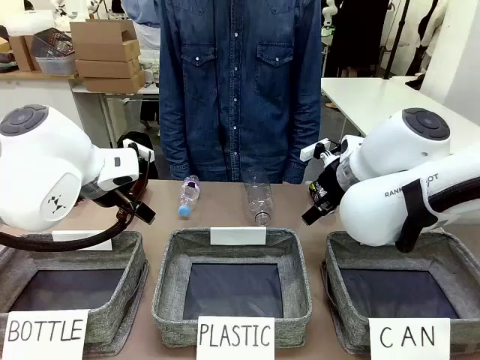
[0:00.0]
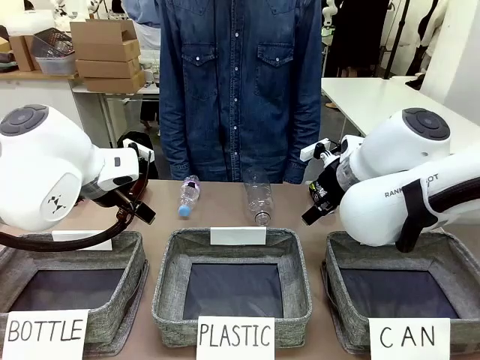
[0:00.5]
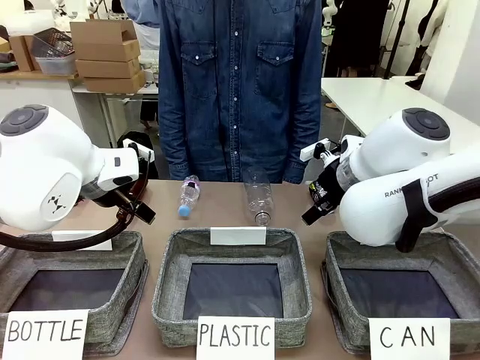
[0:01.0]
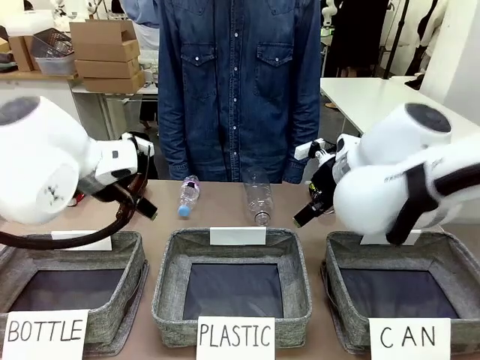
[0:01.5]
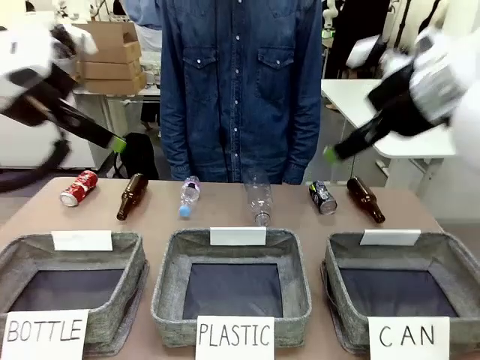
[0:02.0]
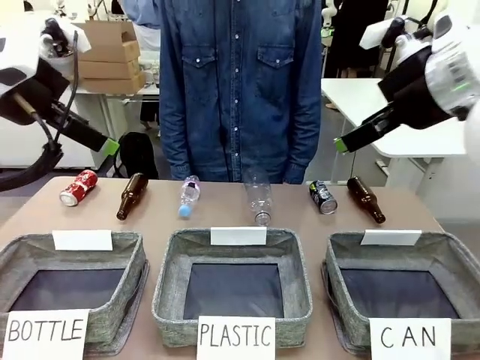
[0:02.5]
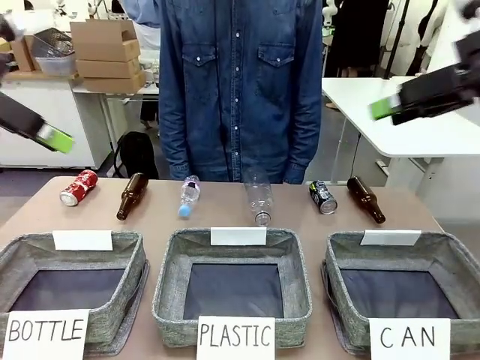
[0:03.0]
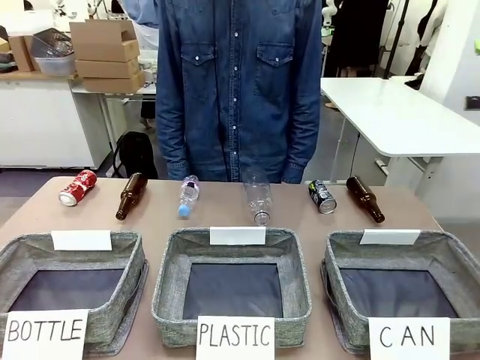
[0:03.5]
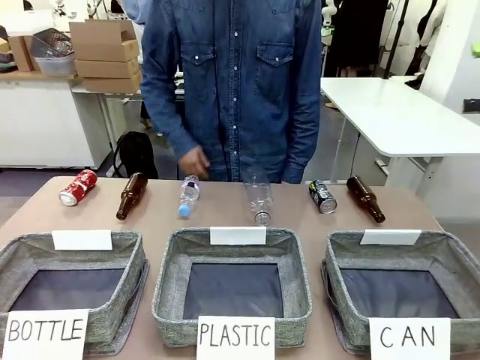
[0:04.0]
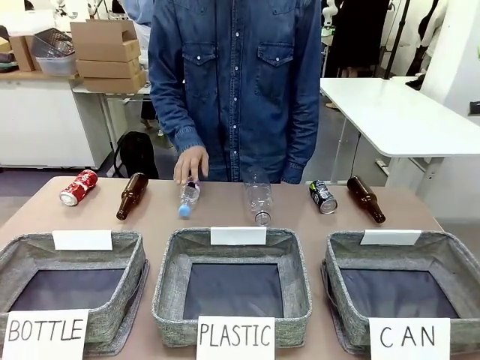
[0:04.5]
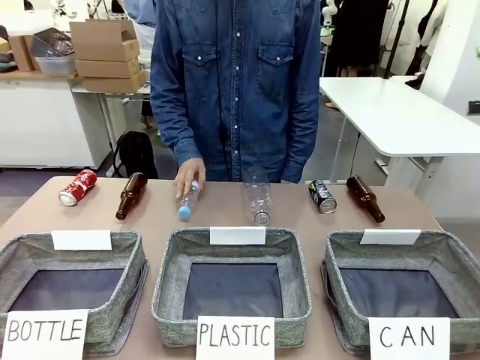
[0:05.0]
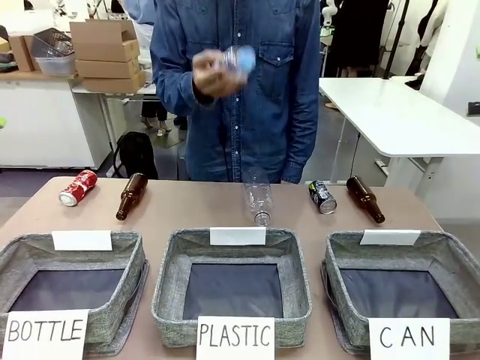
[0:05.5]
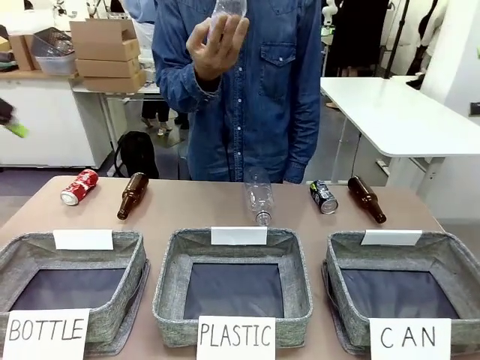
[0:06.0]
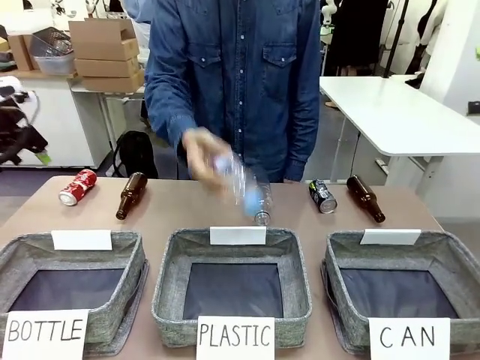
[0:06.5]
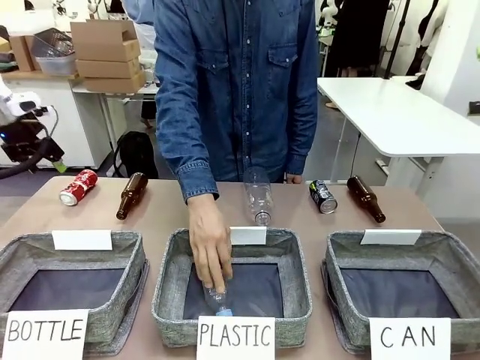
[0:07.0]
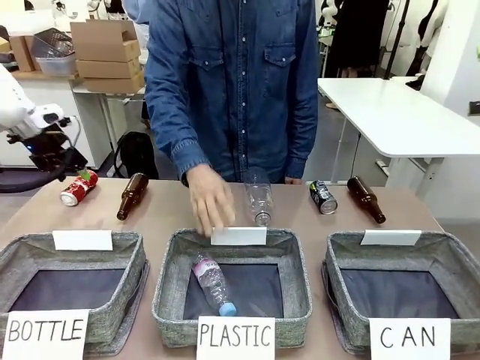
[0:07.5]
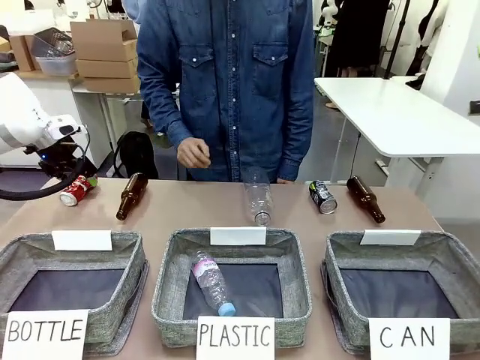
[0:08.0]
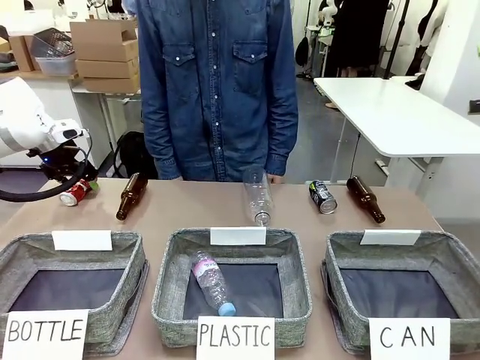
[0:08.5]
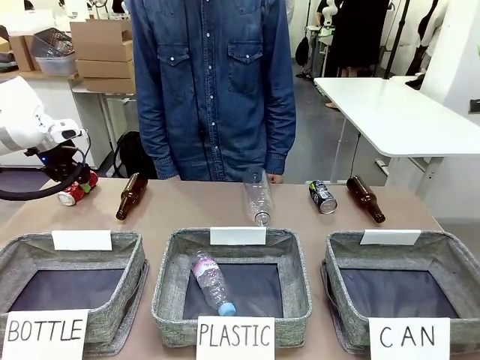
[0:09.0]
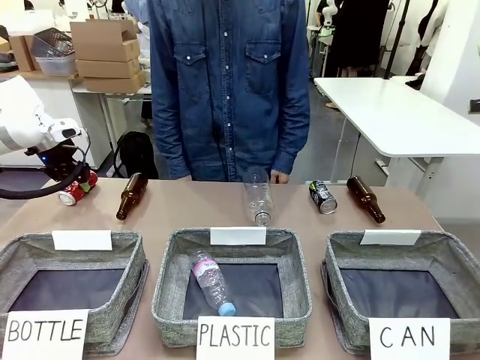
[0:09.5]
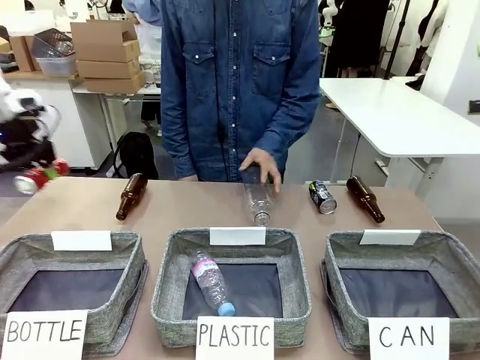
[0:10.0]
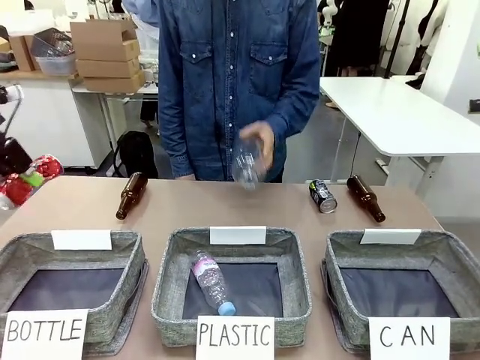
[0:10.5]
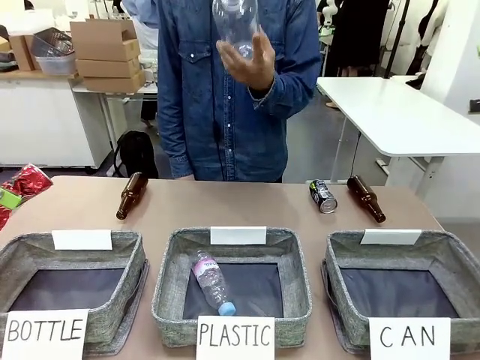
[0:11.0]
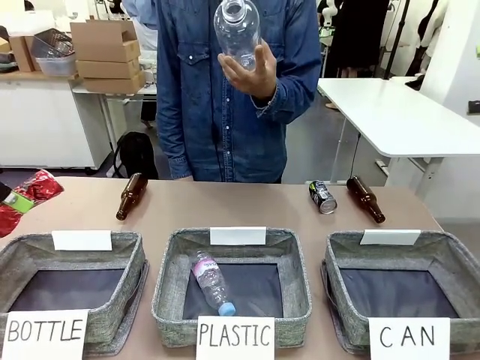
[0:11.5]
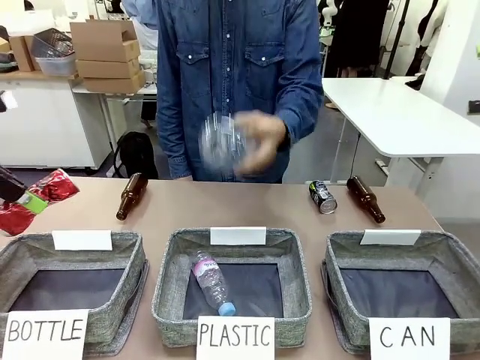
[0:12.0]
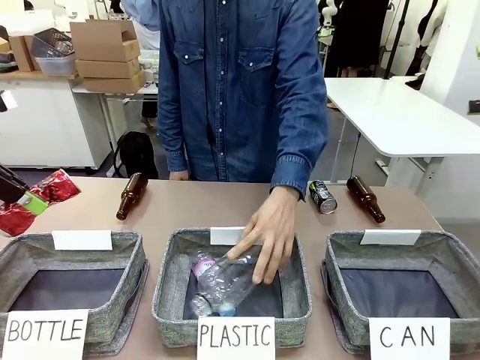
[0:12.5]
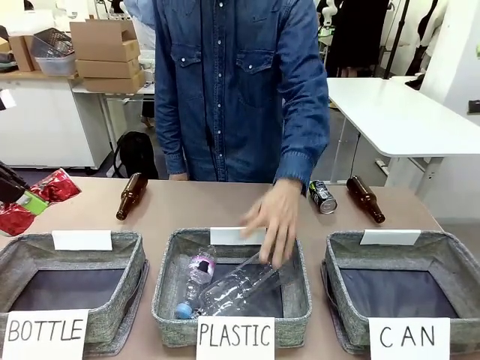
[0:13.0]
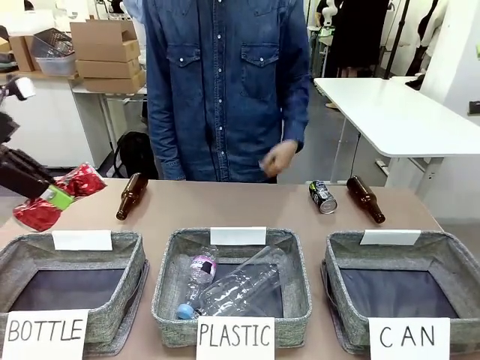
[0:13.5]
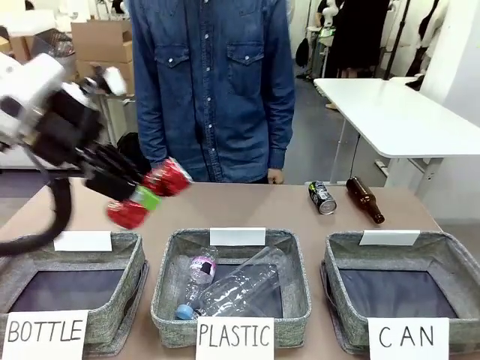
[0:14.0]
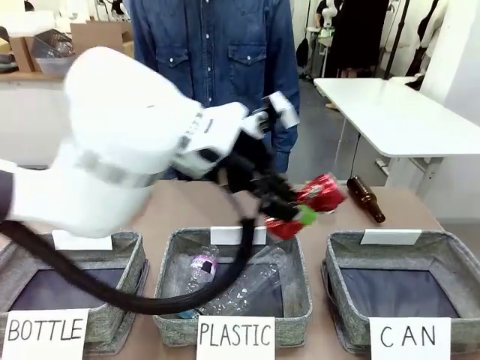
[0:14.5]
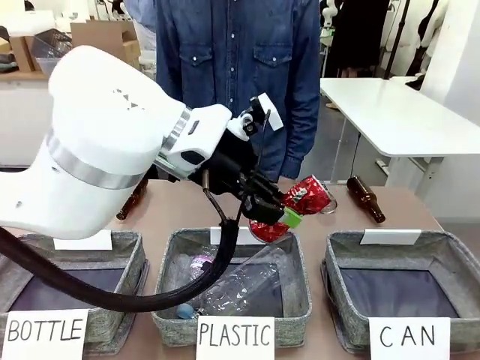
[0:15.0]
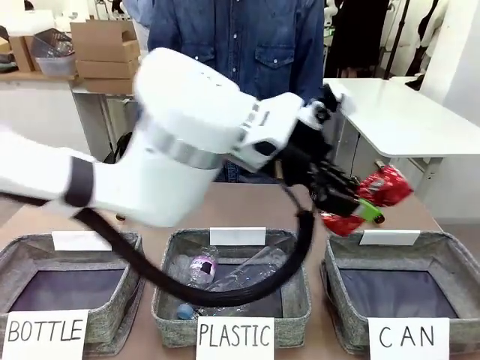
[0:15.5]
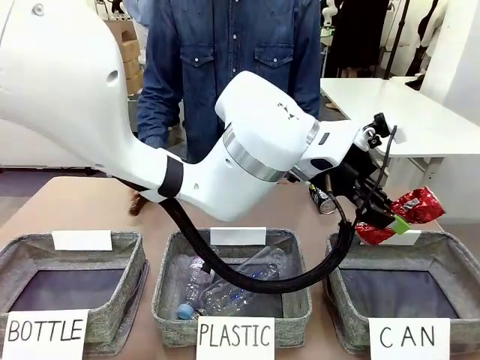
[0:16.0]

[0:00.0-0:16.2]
Task: Sort the can waste into the basket.
Robot: Pick up the can waste from the table and place it in the right Fabric basket.
